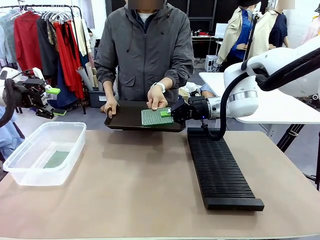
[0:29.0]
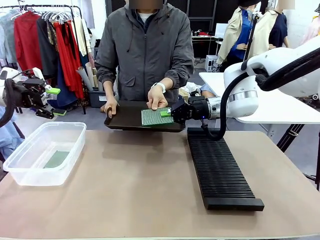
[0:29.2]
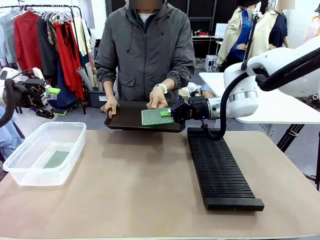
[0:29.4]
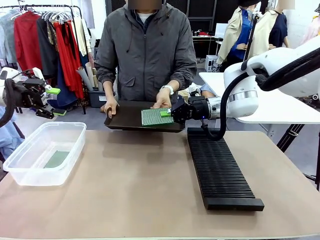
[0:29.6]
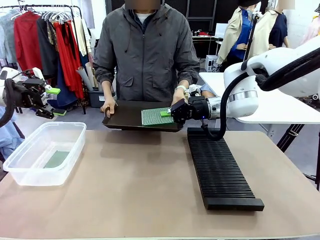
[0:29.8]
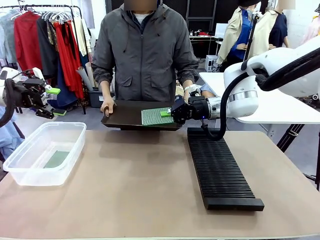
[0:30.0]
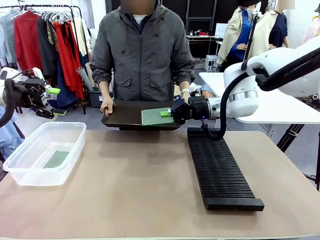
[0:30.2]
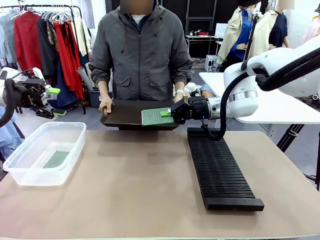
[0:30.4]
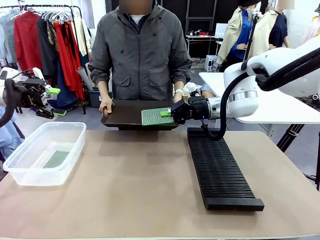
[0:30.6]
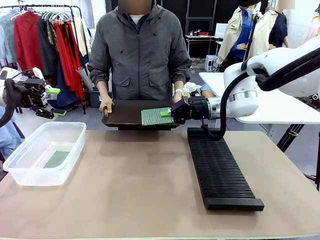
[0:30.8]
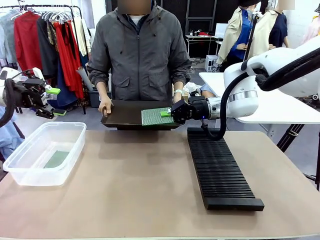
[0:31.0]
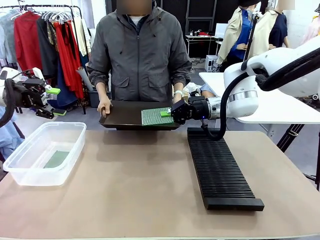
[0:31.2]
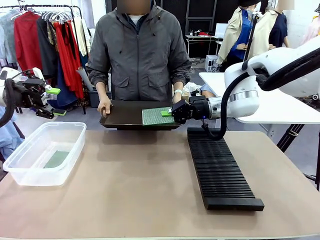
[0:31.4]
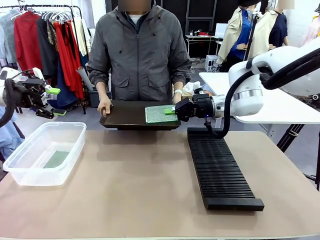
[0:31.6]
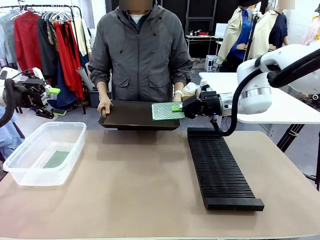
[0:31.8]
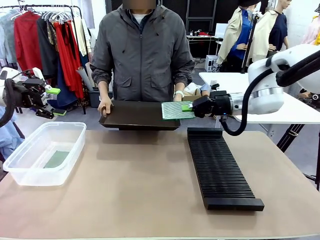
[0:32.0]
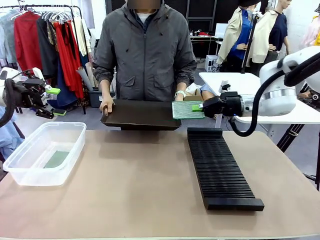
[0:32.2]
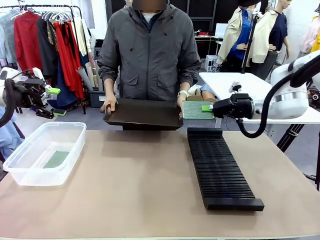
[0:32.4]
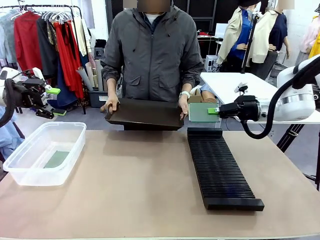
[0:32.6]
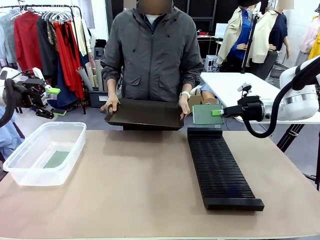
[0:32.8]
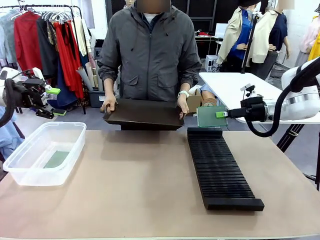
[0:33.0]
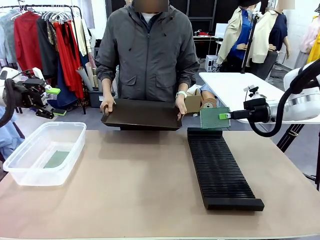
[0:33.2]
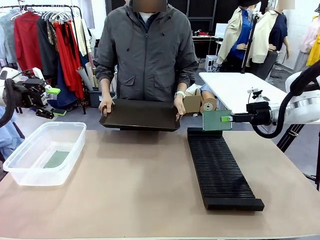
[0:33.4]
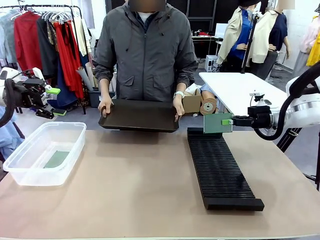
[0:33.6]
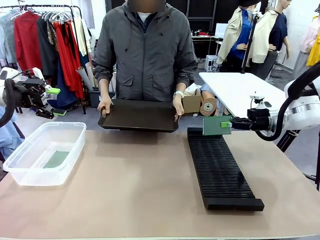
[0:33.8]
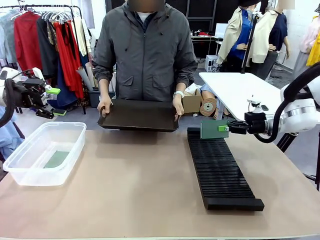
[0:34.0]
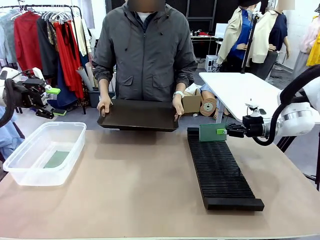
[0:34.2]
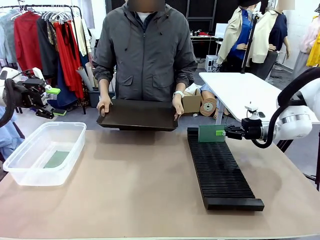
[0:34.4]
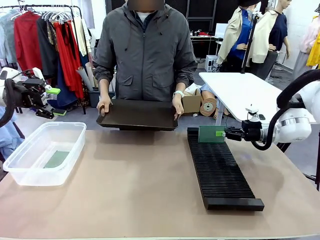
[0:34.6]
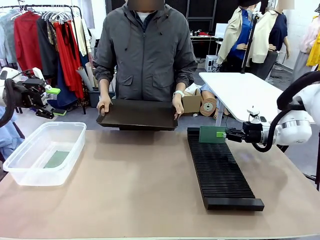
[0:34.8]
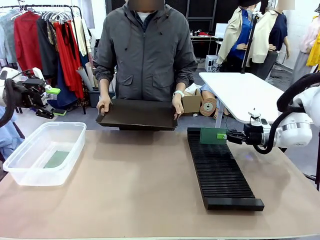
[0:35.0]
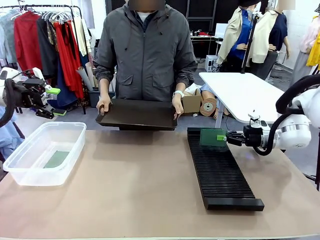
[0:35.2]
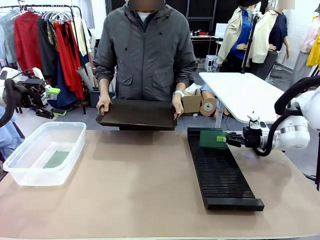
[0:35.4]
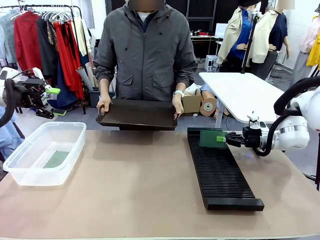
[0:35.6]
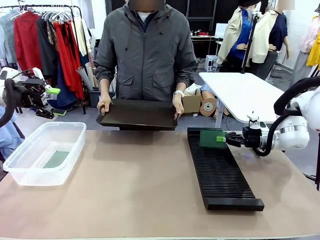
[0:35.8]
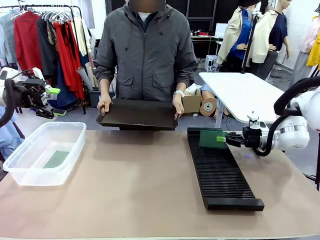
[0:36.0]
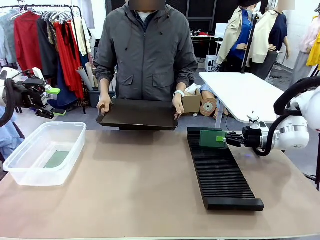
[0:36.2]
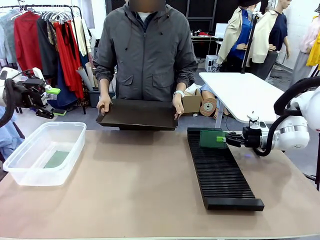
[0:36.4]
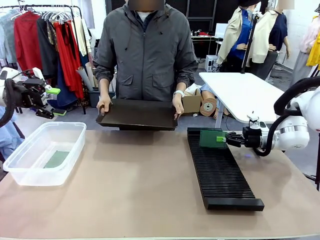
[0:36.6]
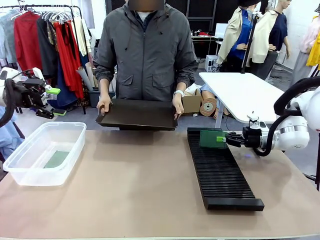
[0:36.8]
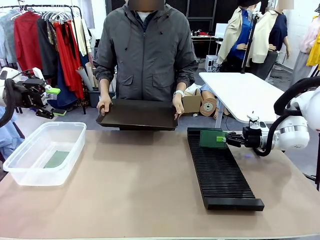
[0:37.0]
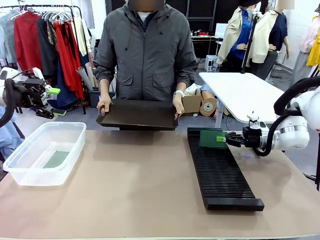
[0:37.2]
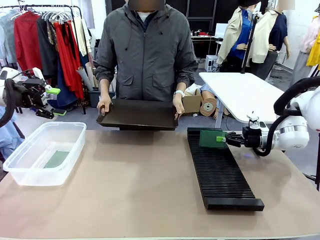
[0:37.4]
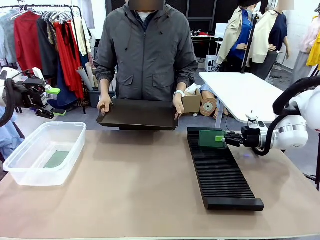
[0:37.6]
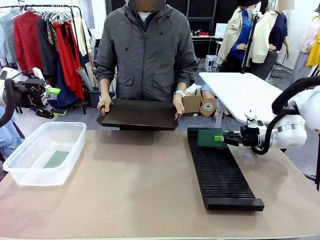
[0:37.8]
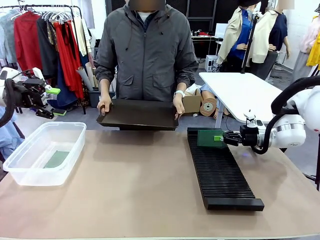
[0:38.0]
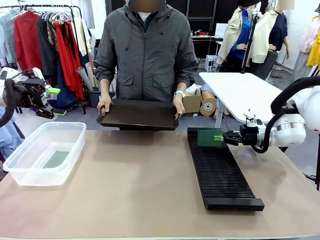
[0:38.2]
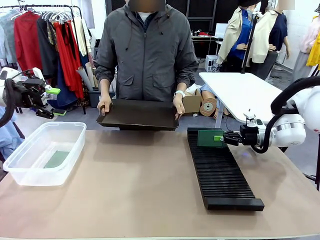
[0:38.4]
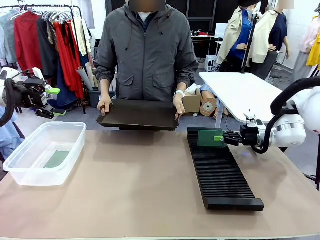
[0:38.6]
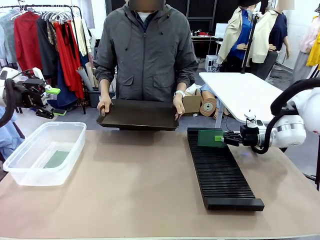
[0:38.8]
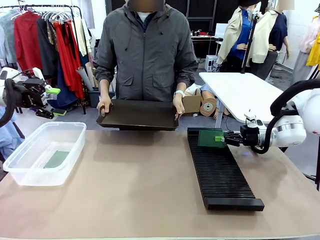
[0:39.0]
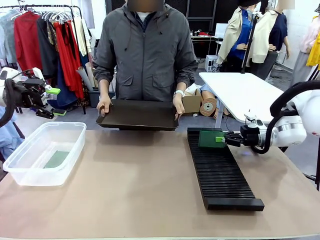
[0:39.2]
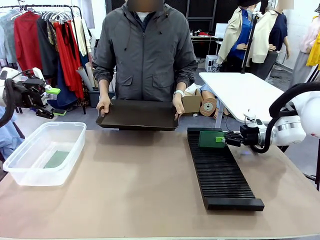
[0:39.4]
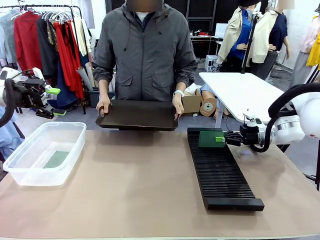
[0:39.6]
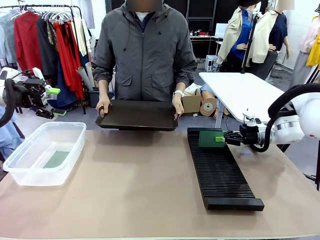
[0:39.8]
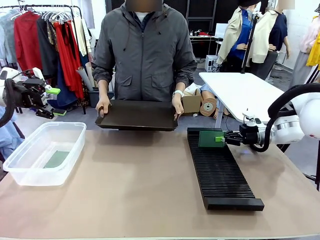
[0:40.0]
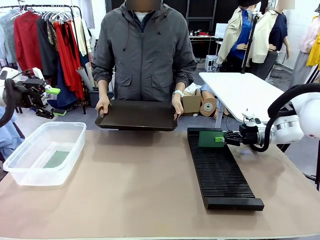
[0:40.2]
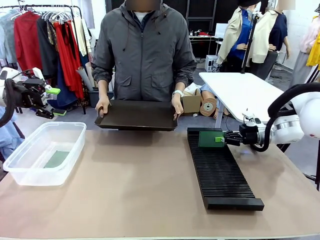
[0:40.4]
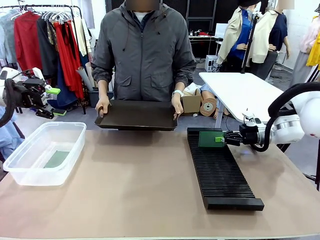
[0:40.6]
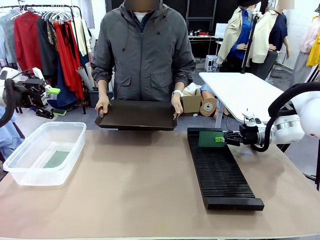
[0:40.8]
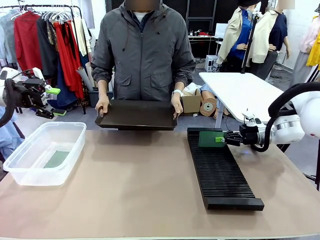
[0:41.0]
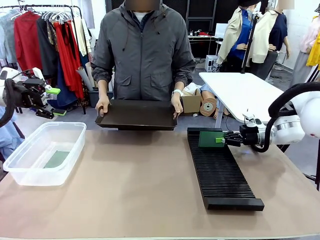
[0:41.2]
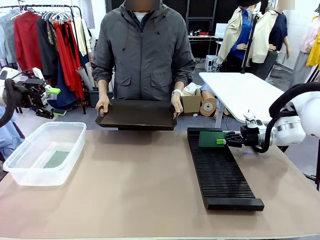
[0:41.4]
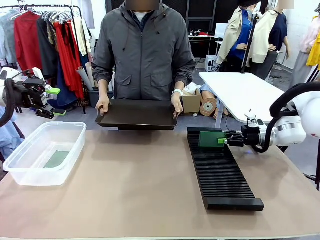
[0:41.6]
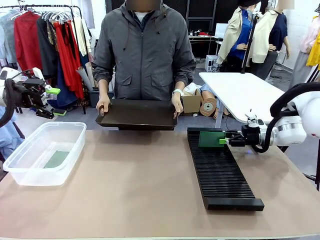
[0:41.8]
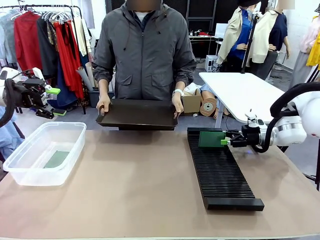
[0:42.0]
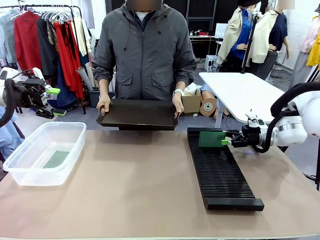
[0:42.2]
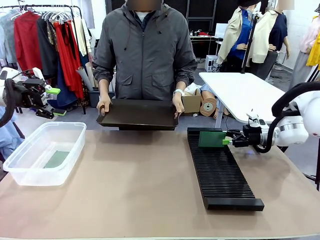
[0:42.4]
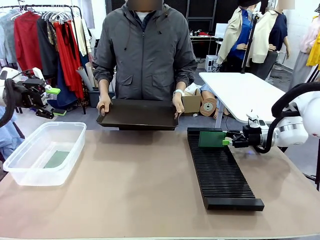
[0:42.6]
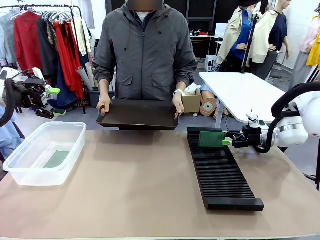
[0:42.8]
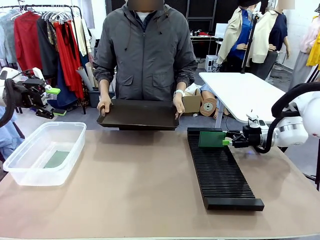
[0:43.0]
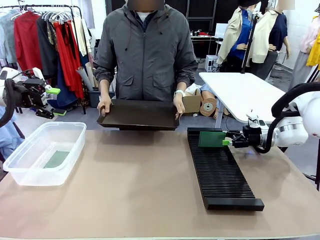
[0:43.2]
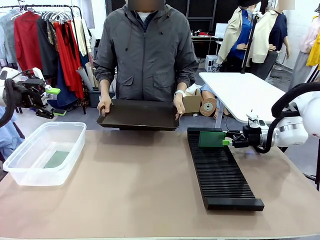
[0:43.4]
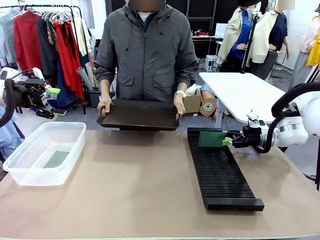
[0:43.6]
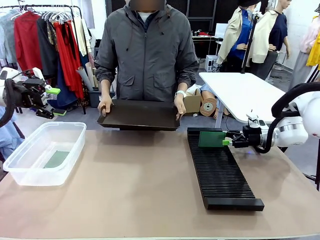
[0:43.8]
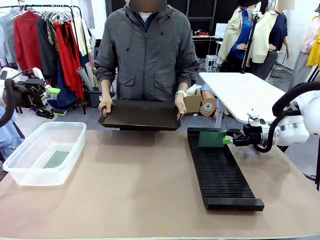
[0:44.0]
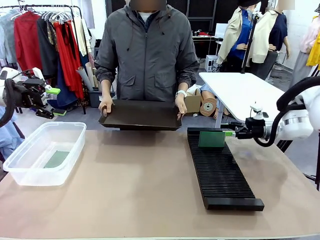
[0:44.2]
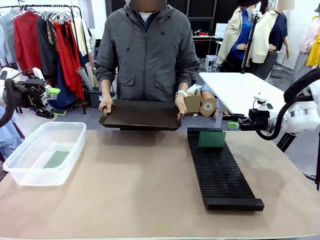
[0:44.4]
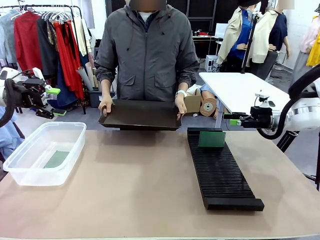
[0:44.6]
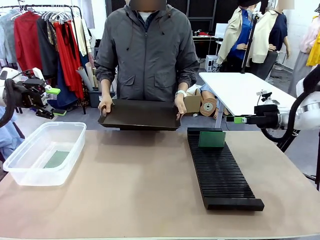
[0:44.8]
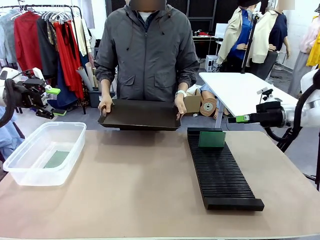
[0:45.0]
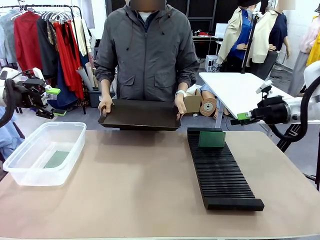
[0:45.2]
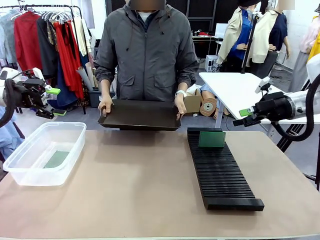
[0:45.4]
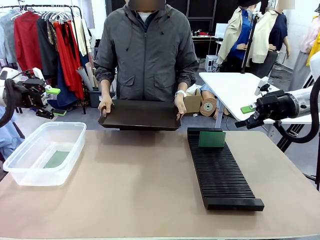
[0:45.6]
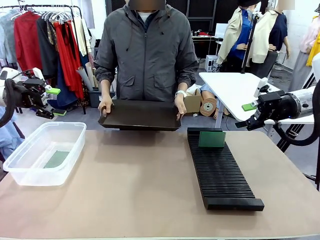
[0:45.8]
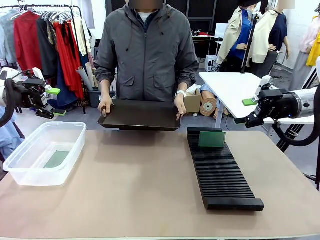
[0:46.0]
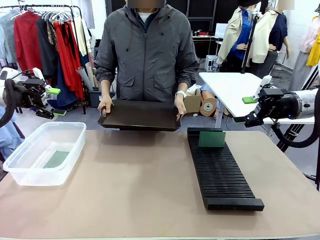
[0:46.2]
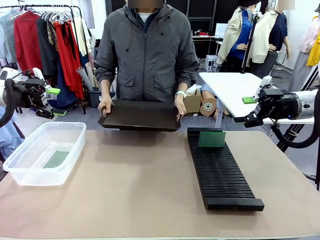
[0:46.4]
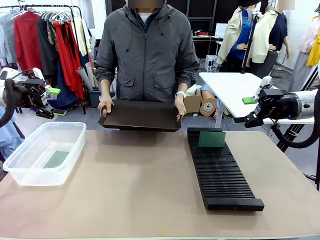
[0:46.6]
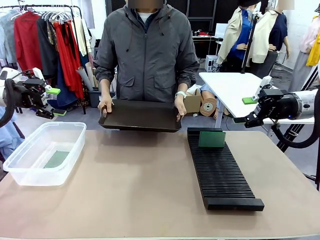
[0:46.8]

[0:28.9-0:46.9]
Task: Sort PCBs into racks and boxes based on the side picked up.
Robot: If the short side of the Blank PCB is picked up, insert it into the PCB Rack ; if the long side is picked up, place it in the Organizing box.
Person: Release the PCB being held.
